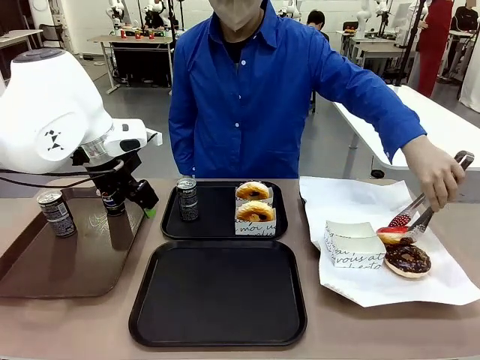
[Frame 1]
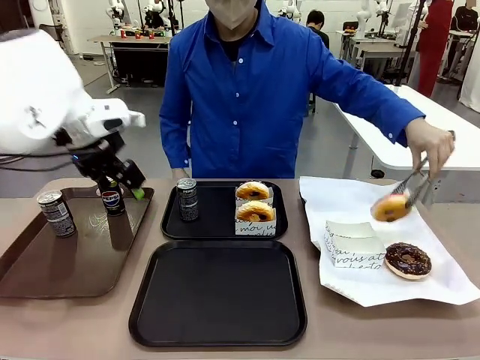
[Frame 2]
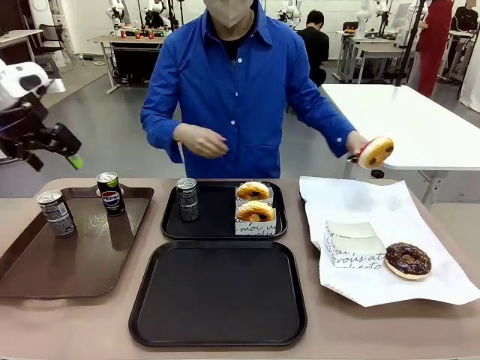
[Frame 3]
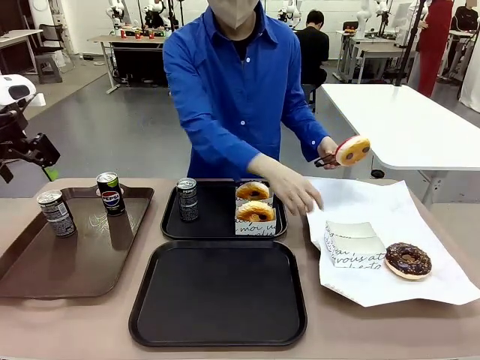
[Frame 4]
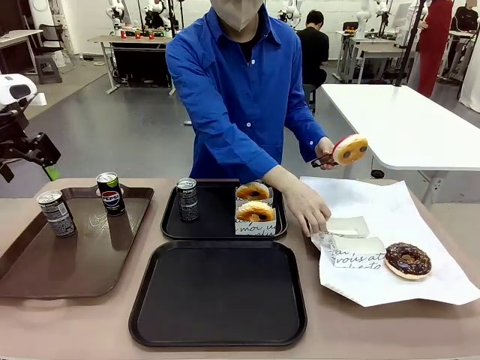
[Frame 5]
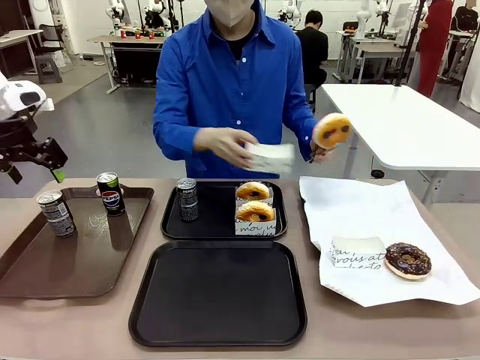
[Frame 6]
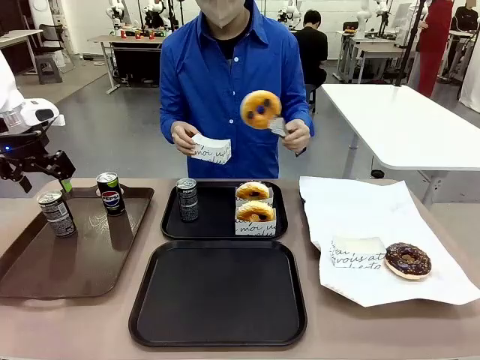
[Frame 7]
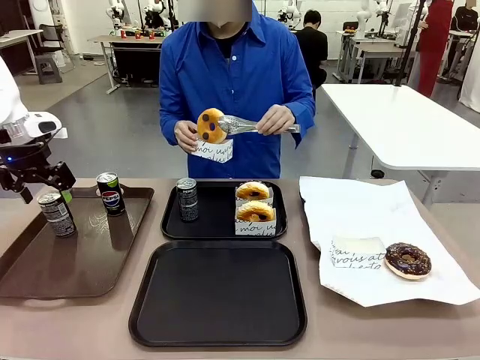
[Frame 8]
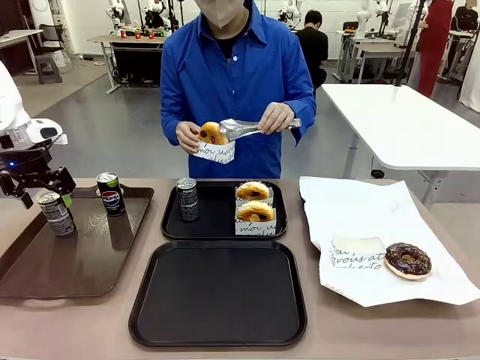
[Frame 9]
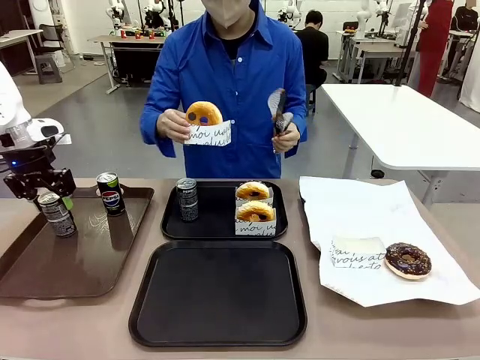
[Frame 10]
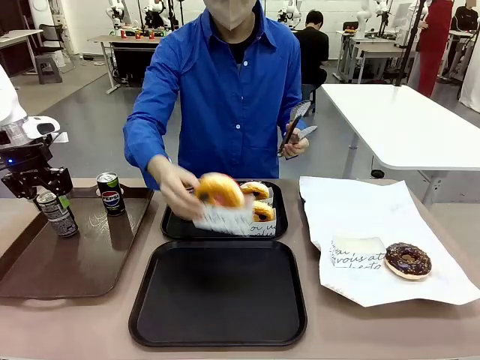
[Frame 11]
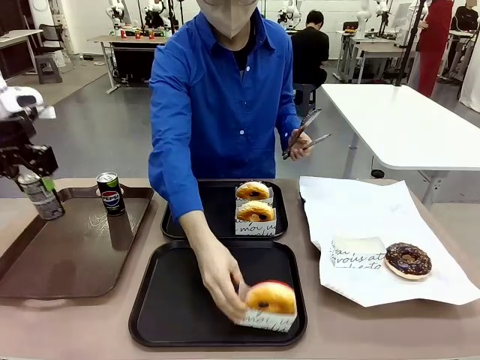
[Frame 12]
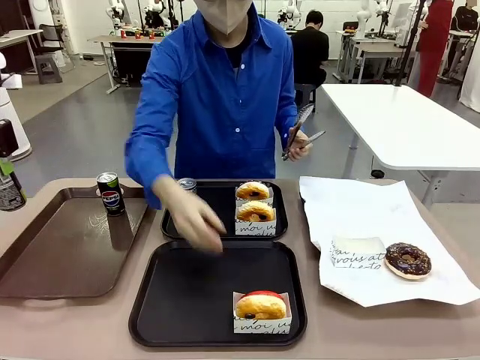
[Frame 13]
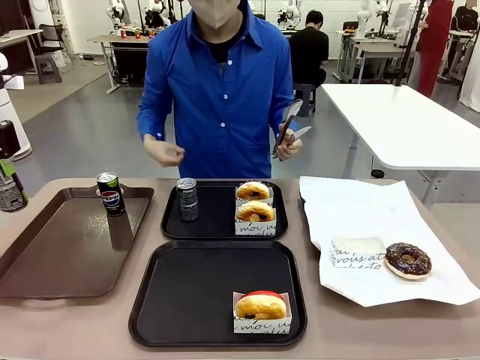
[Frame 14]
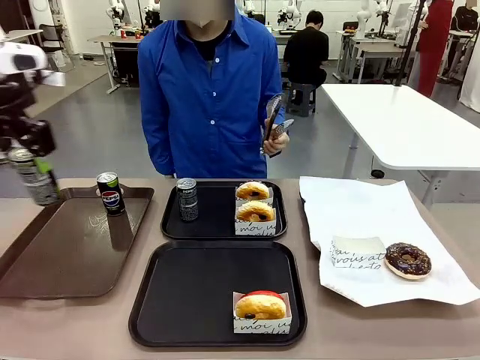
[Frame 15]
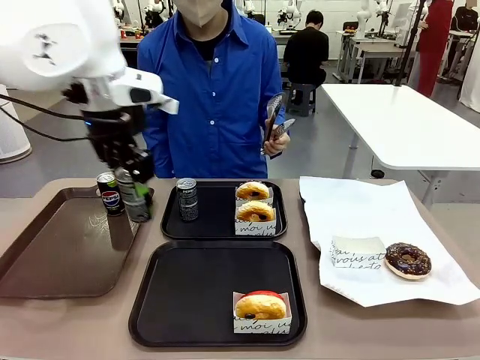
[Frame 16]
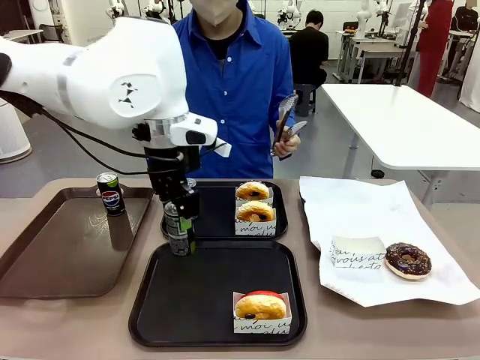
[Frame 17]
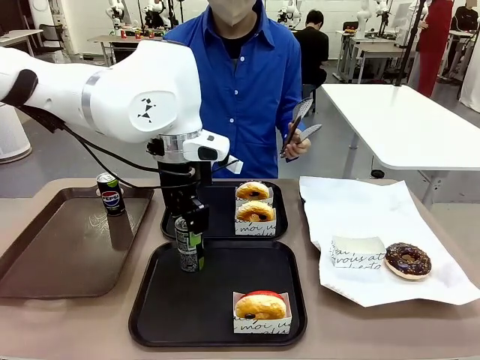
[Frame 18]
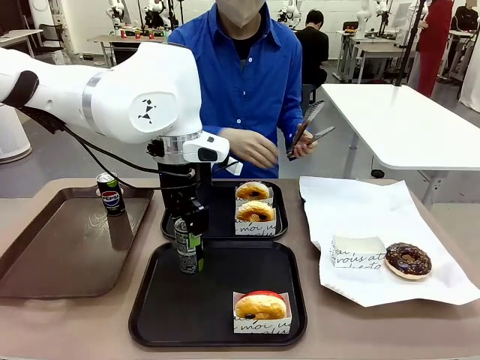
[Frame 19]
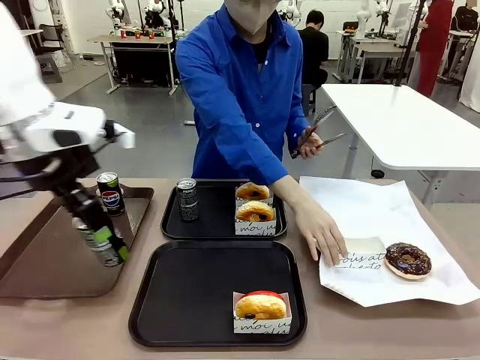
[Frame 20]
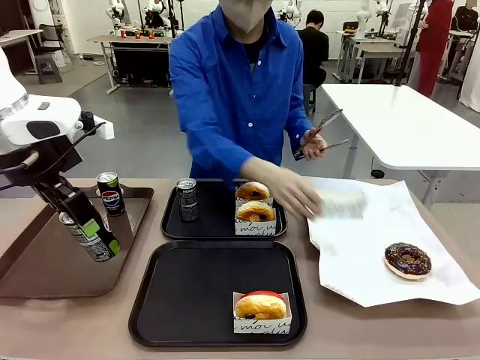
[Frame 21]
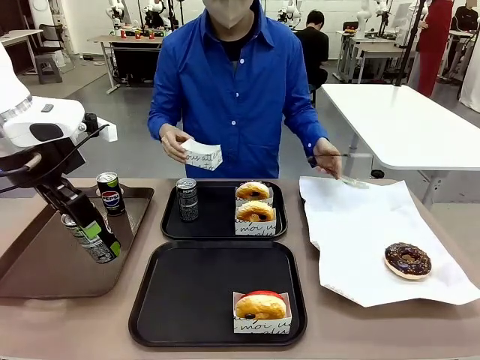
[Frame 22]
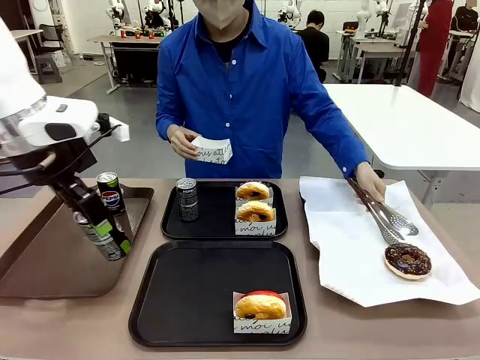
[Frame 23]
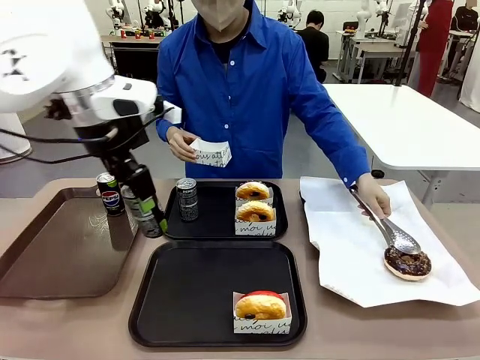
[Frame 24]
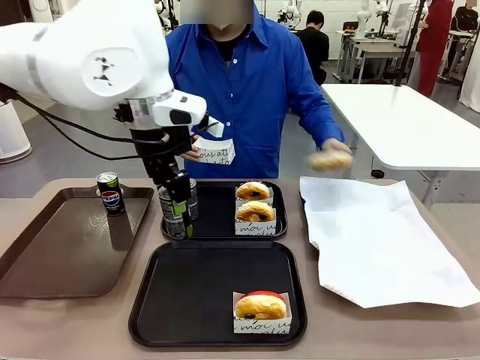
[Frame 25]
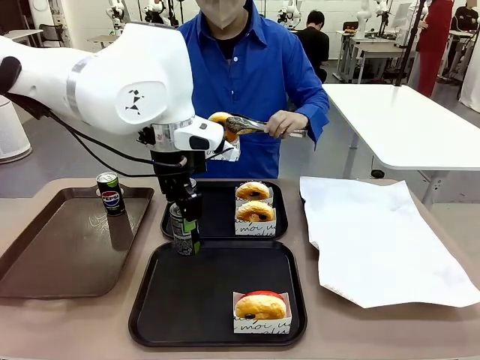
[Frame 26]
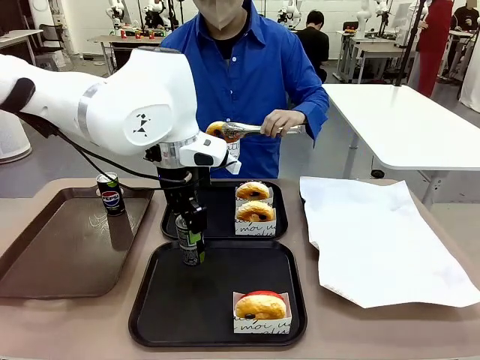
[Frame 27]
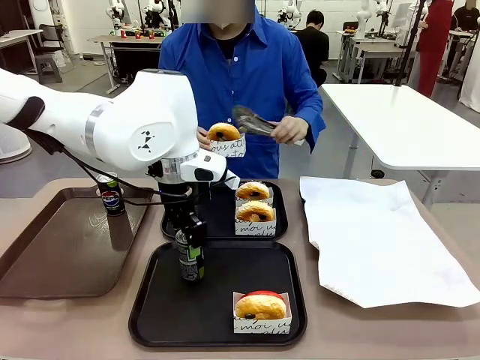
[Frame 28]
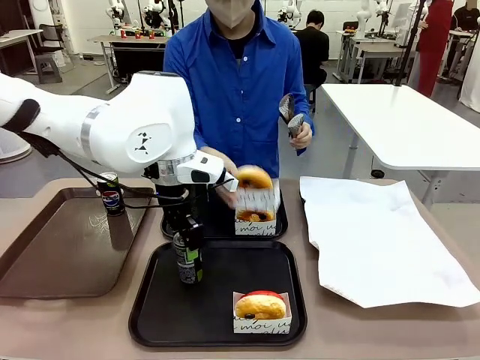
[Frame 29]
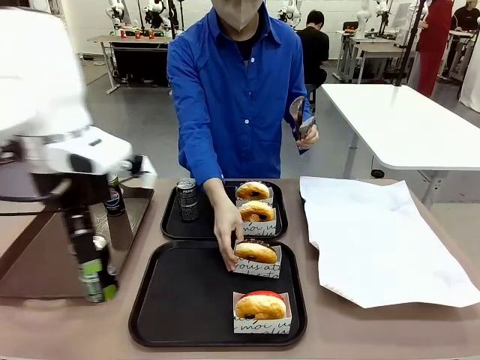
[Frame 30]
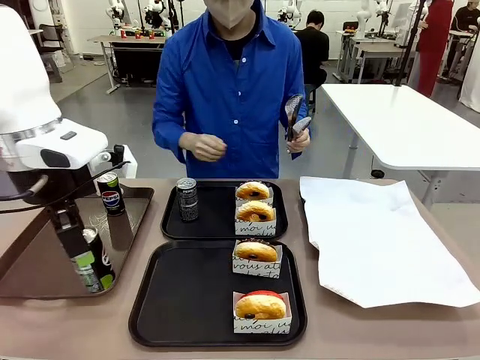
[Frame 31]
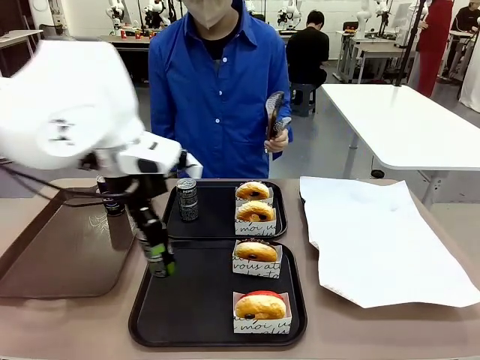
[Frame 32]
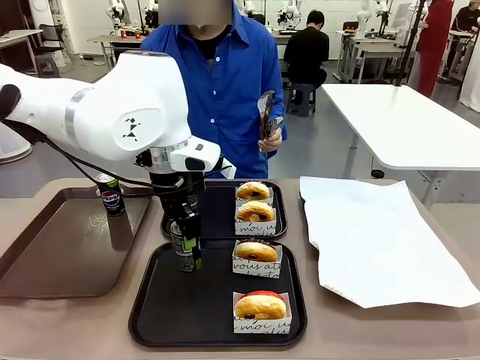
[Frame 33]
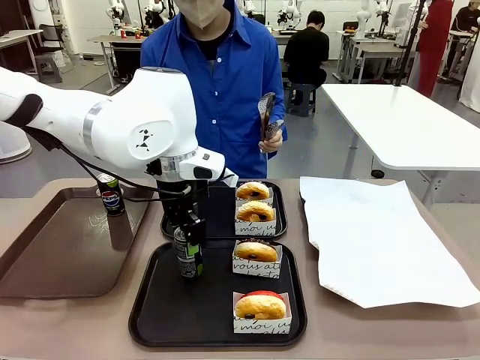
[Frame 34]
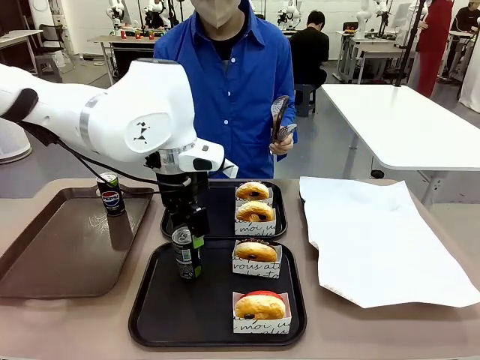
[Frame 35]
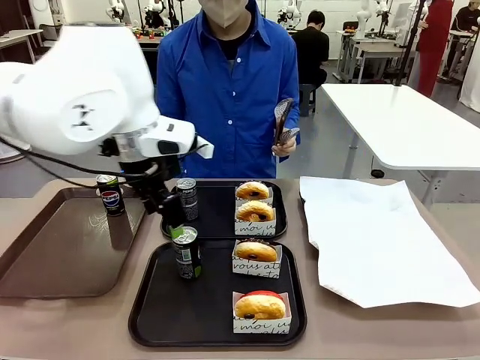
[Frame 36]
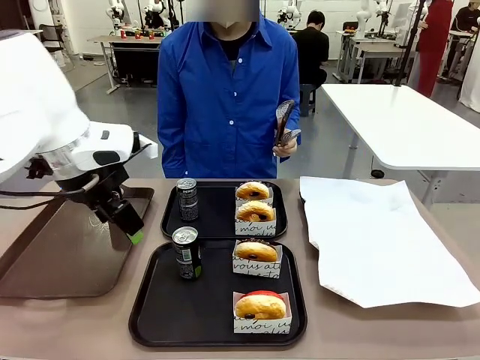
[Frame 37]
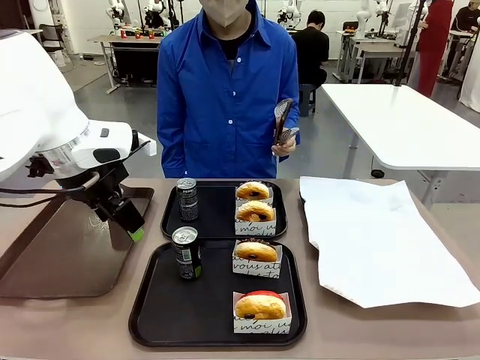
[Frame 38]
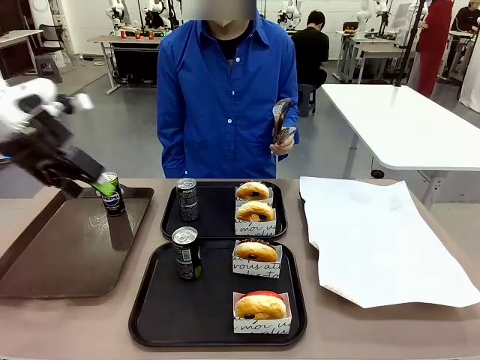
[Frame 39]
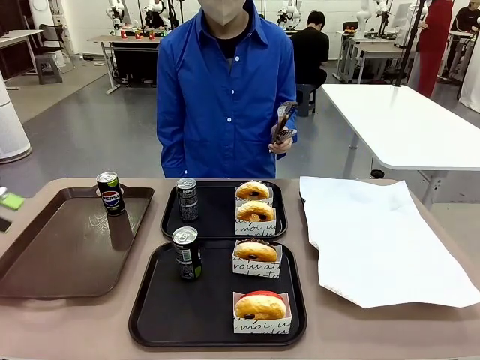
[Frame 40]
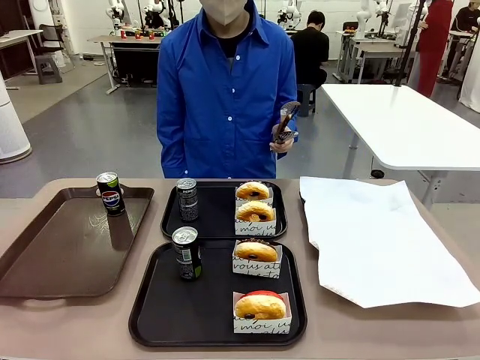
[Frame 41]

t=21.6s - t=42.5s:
Task: Set up donuts and drinks on trays.
Robot: Pick up one Pepsi coke from the Handle tray and place it on the Flat Tray without a Pepsi coke.

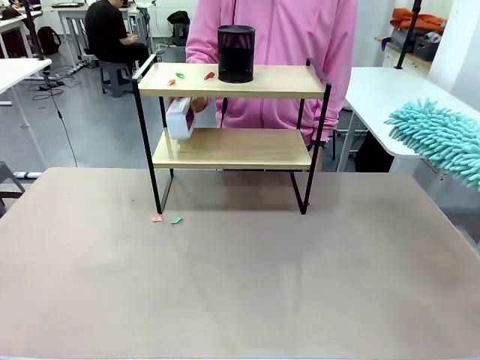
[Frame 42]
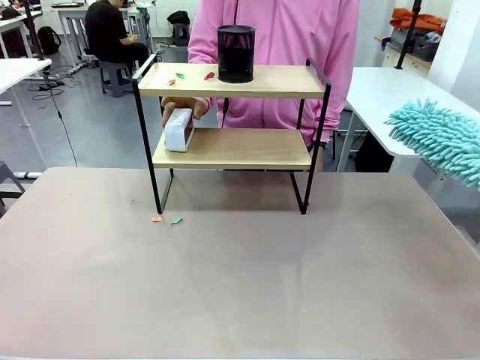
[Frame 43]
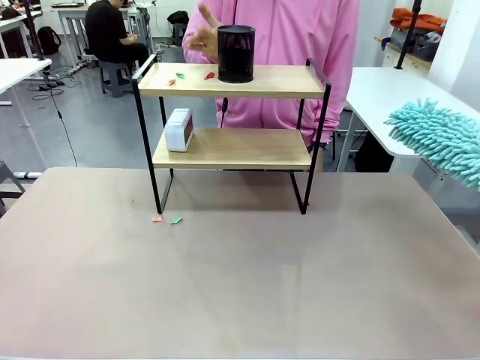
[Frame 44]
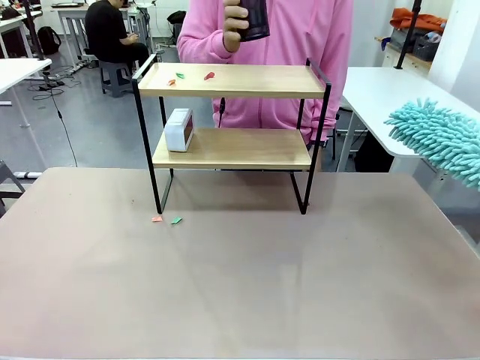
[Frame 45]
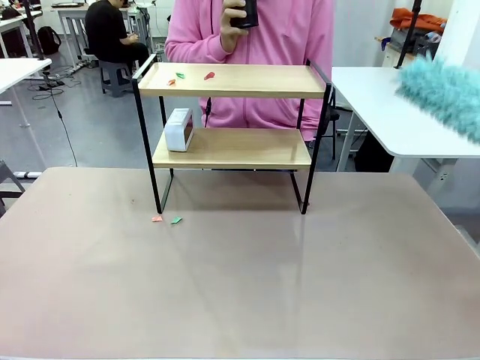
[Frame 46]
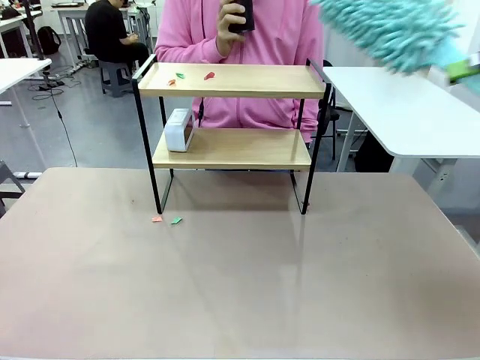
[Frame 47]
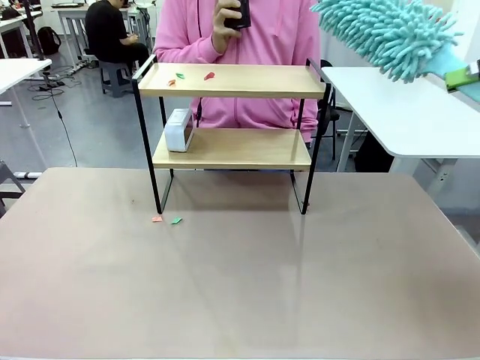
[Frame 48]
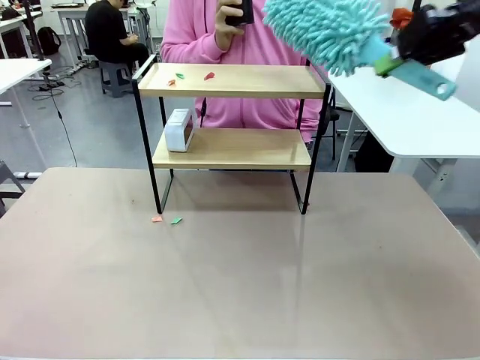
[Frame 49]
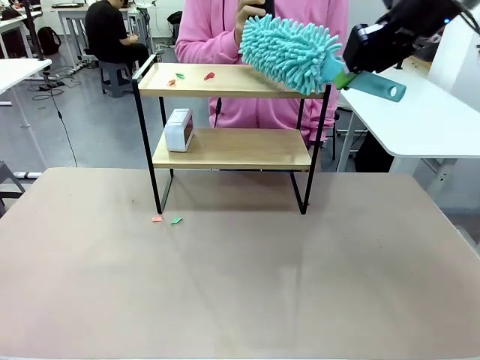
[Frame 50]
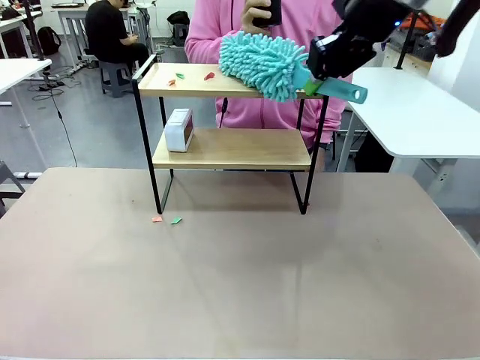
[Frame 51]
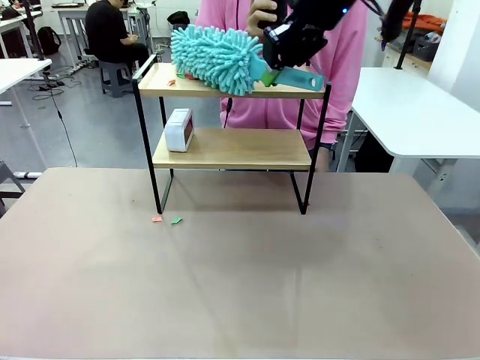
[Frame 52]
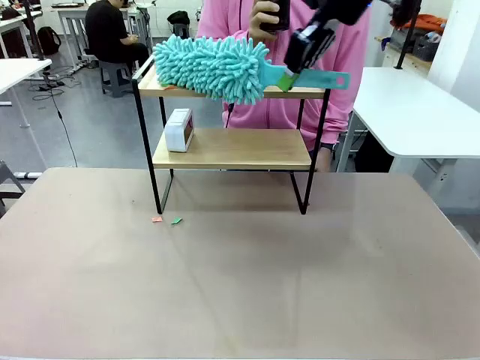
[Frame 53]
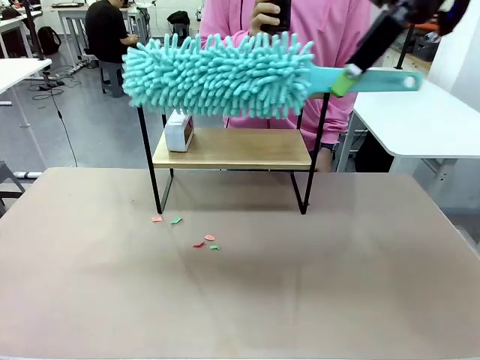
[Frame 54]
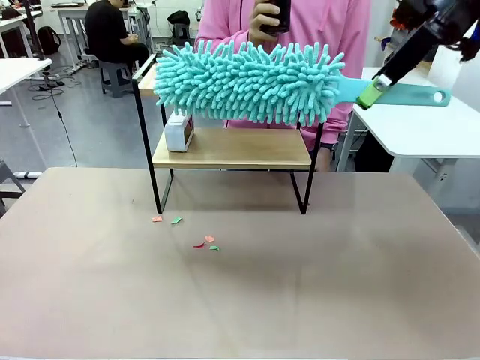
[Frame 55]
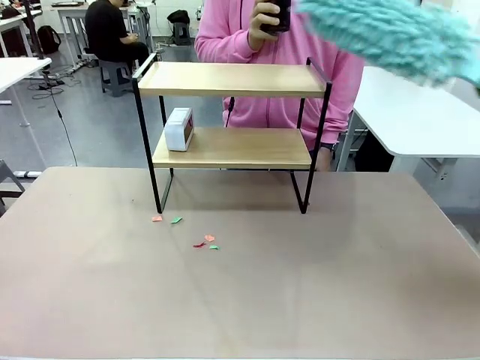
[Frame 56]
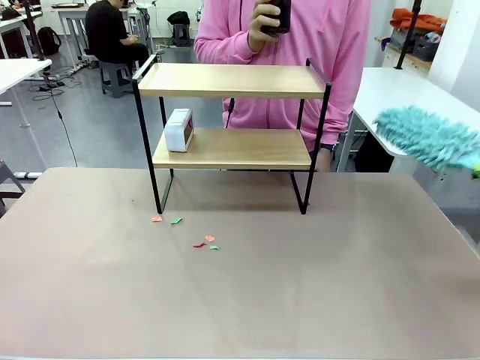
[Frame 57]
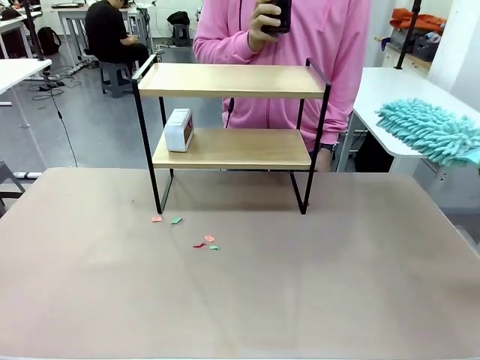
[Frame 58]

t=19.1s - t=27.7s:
Task: Clean the shelf.
Robot: Clean the remaining tier of the Shelf with the Duster once objects are removed.
